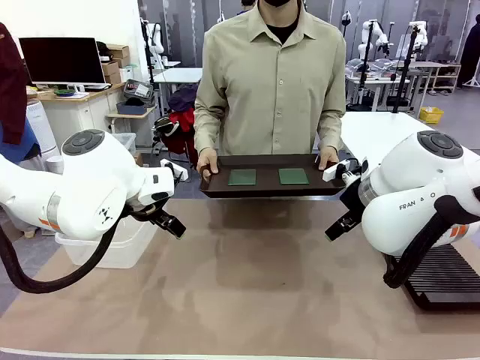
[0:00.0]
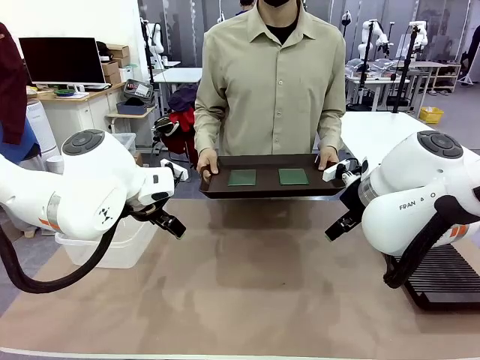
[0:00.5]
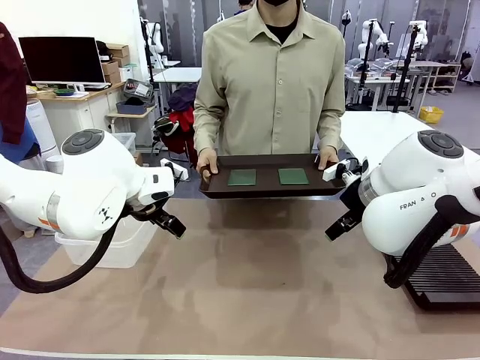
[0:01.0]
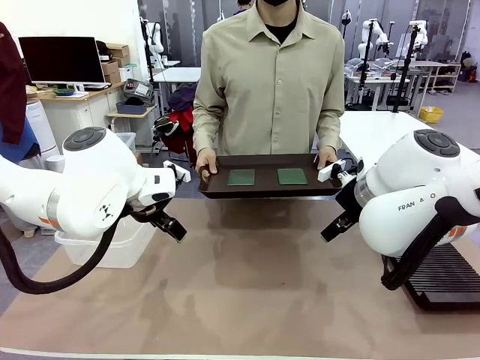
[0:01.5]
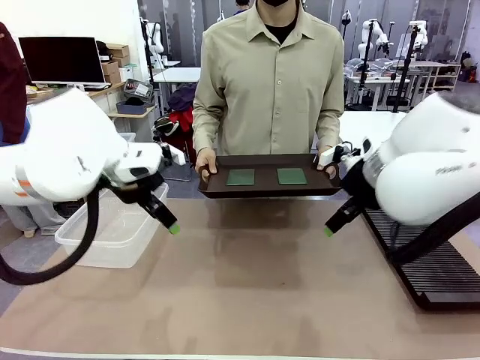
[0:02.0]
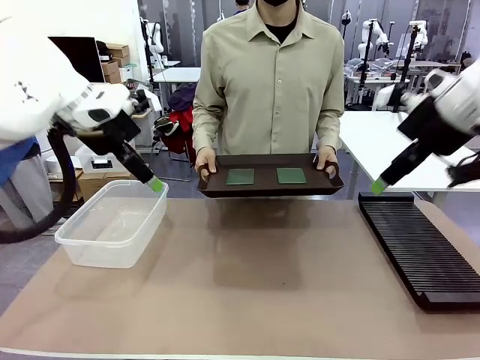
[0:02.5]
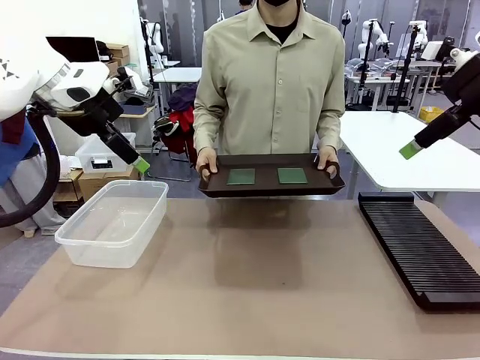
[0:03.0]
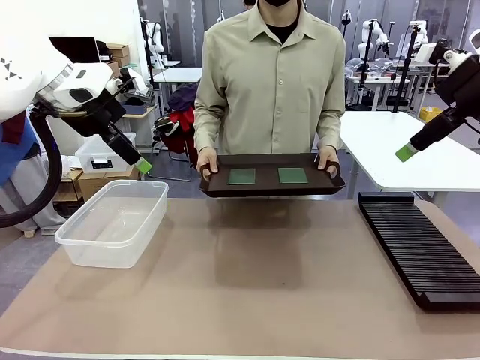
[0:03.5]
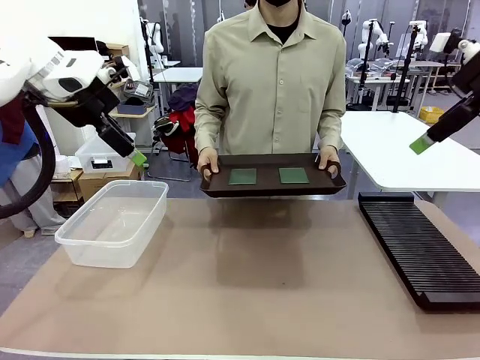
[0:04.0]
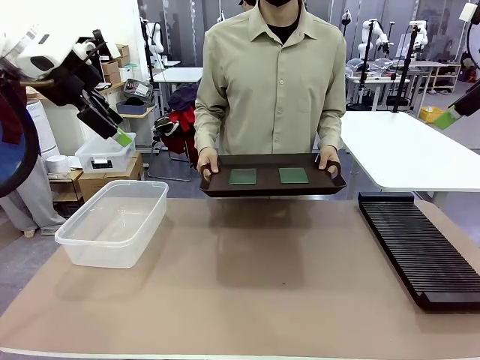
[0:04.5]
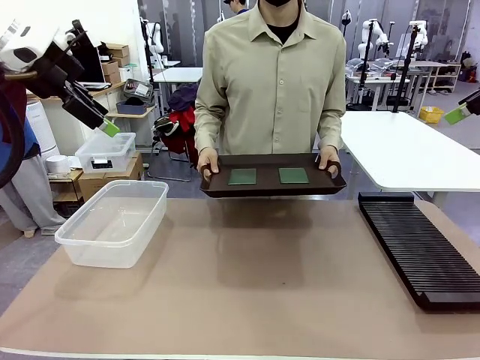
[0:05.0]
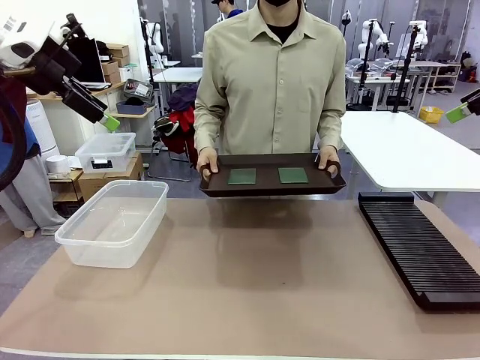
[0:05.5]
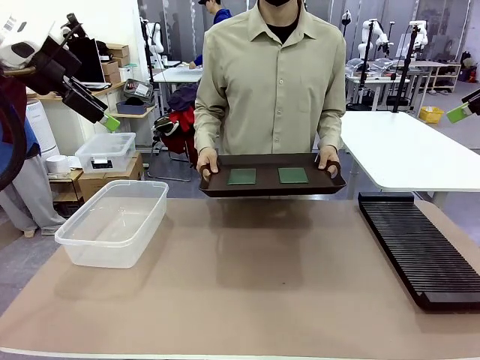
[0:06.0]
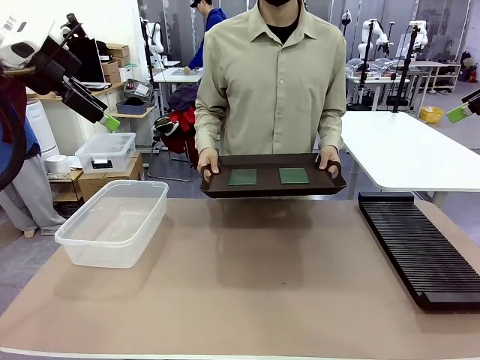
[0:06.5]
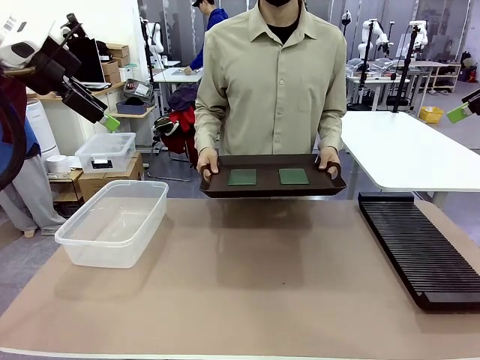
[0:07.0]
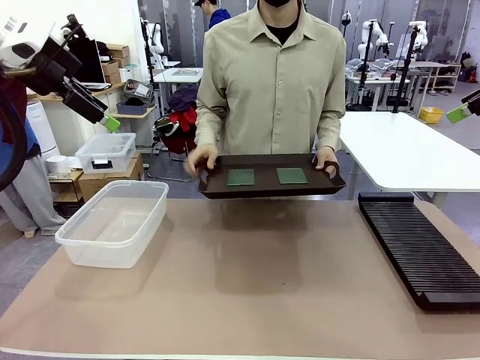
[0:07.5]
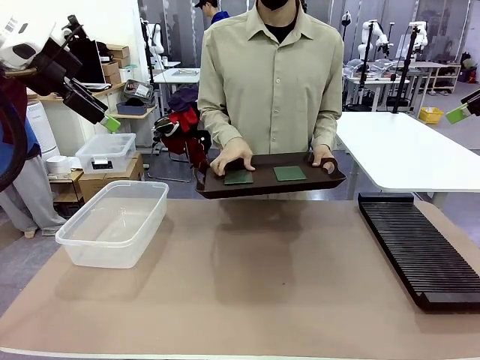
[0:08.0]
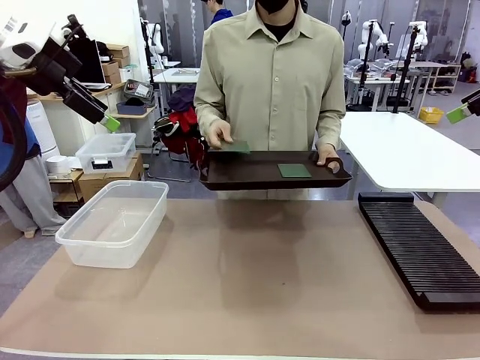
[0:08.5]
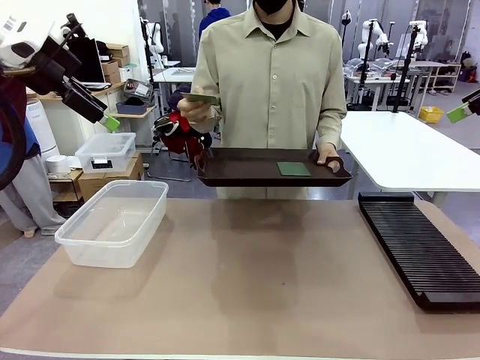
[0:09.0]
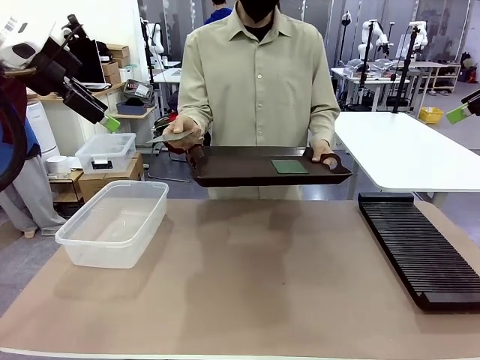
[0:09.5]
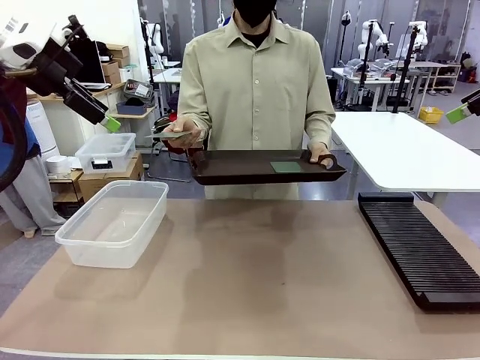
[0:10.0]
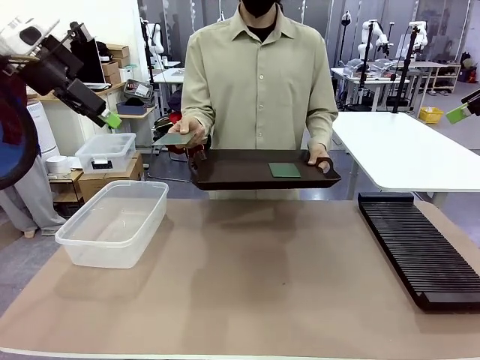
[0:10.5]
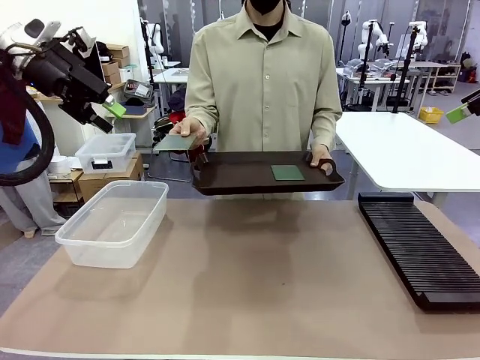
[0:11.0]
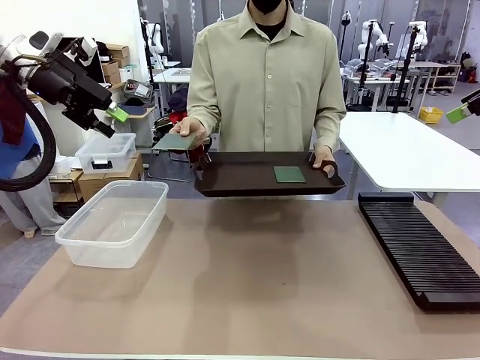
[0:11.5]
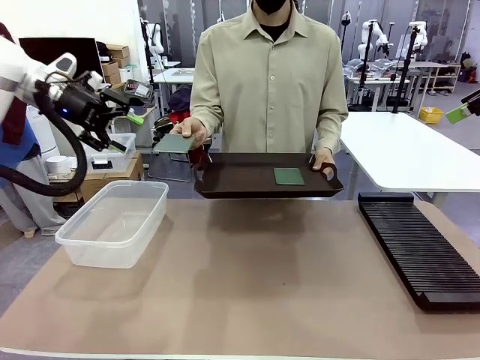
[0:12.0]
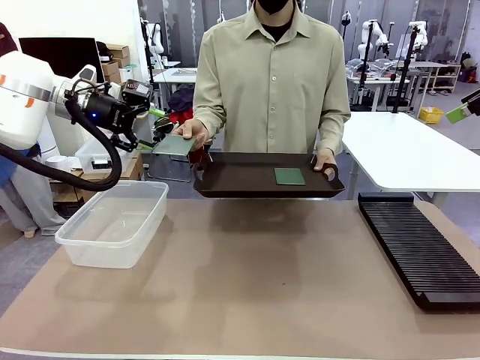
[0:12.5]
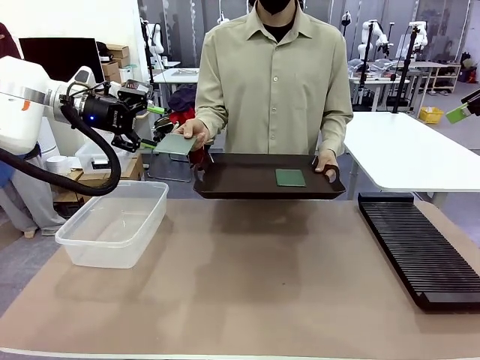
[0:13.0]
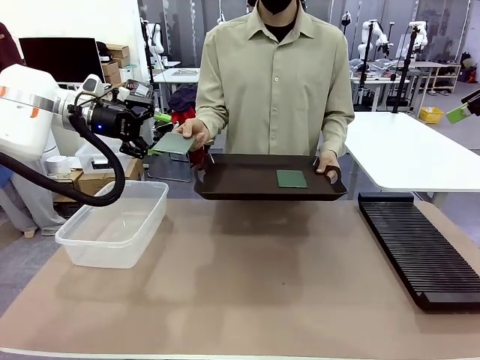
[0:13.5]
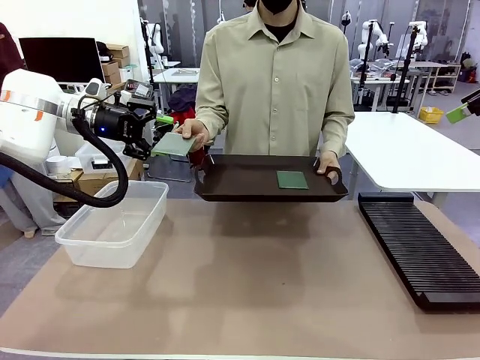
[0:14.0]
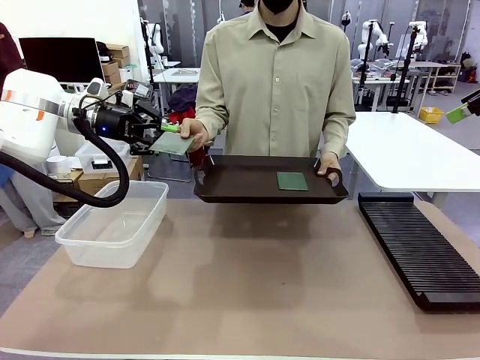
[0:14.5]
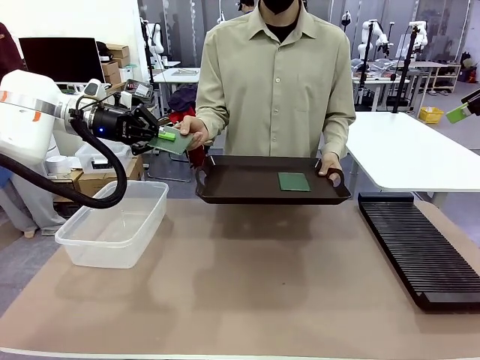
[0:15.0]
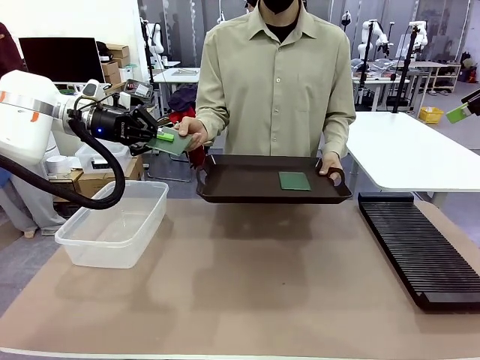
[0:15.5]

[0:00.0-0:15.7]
Task: Sort PCBs into racks and boxes based on the side picked up.
Robot: Pick up the Blank PCB handed by the Human.
Person: Pick one PCB from the tray and present it to the robot. Release the PCB being held.

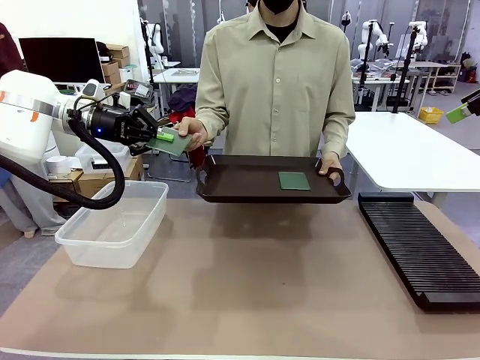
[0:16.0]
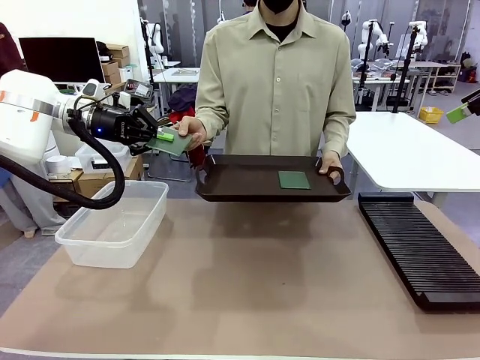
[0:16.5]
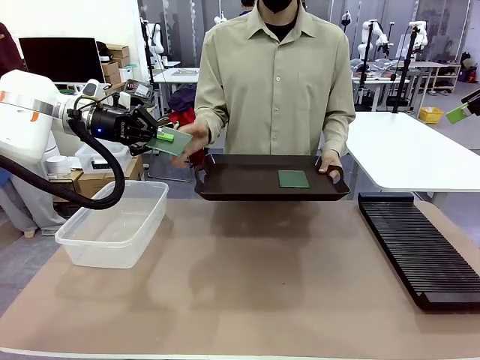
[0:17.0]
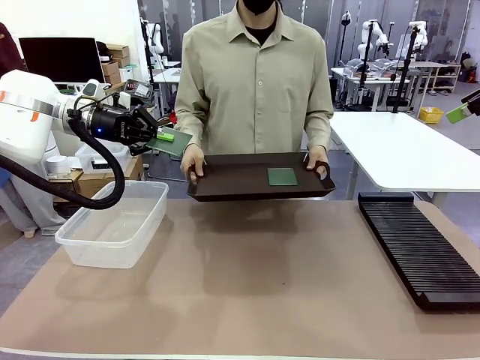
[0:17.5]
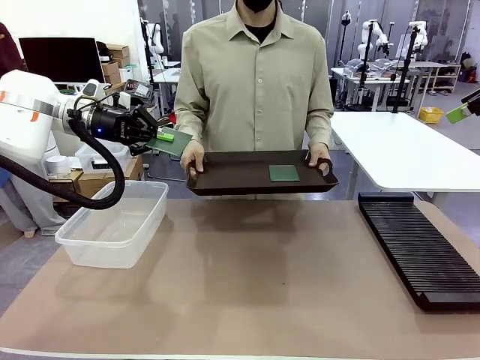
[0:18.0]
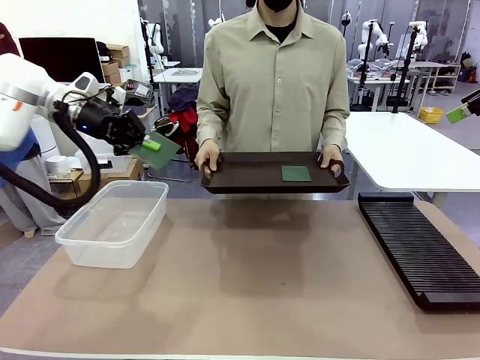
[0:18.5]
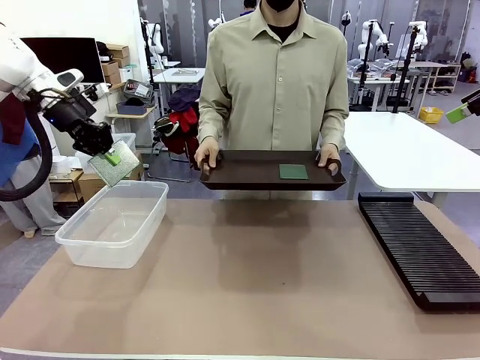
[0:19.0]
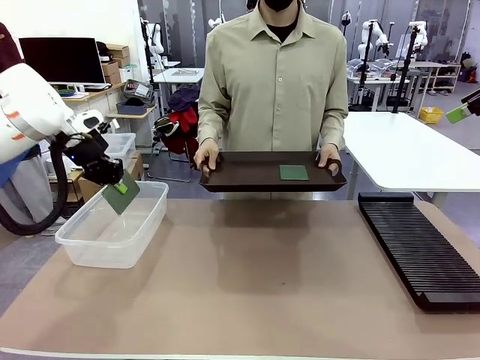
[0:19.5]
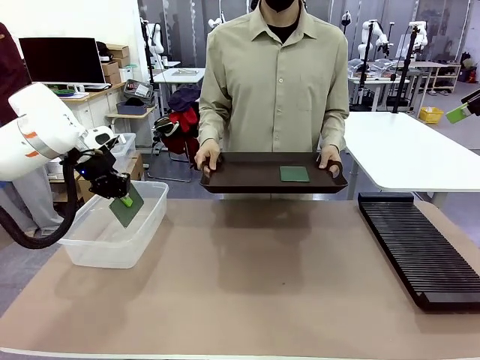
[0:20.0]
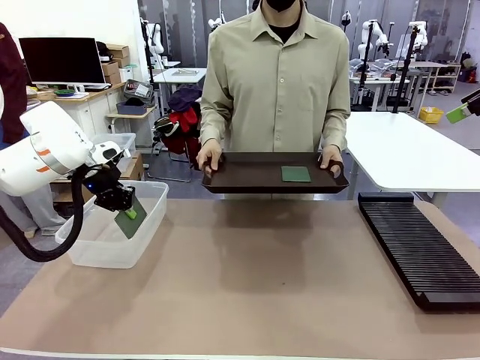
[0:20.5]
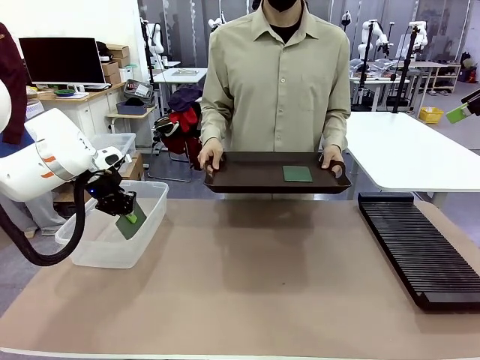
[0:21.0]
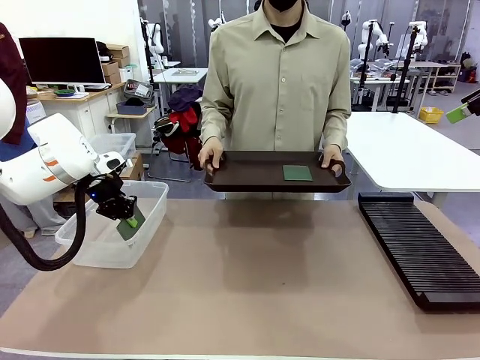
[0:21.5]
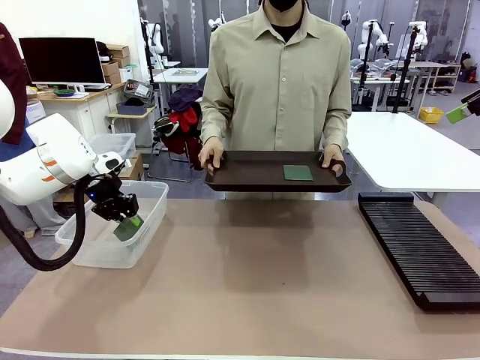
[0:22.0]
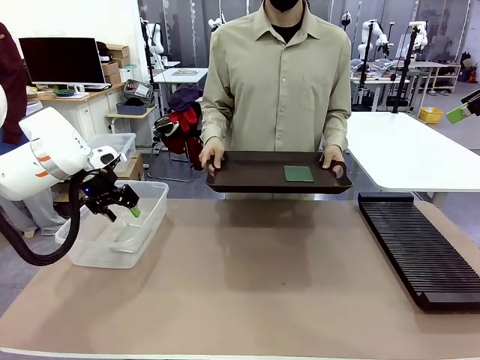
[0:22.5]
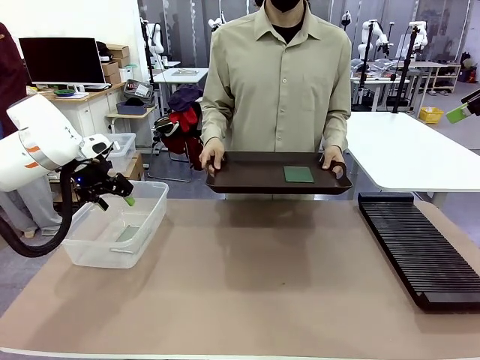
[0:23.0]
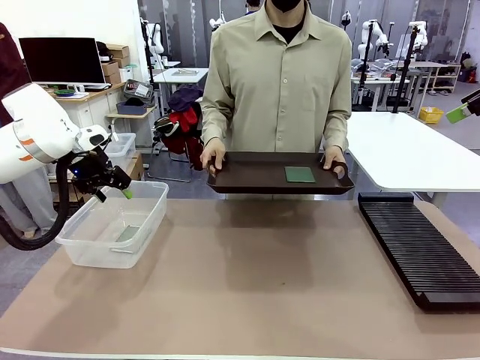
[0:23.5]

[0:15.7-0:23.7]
Robot: If the short side of the Blank PCB is picked up, insert it into the PCB Rack ; if the long side is picked up, place it in the Organizing box.

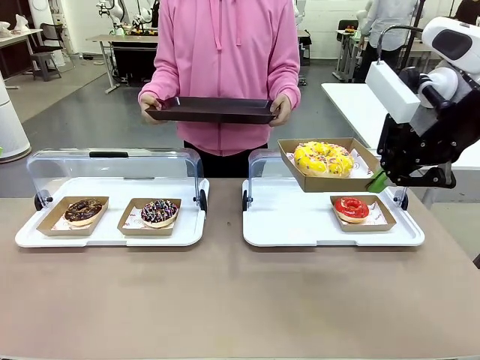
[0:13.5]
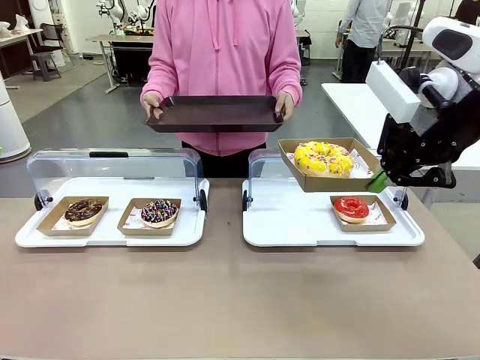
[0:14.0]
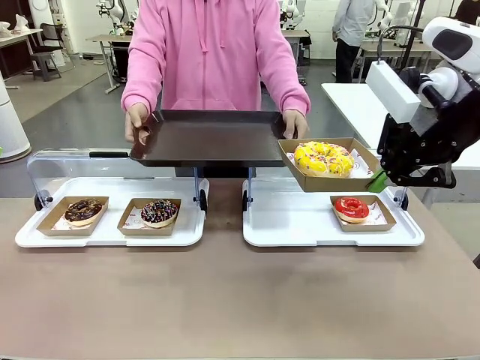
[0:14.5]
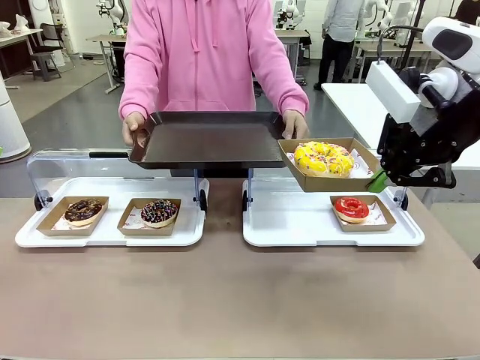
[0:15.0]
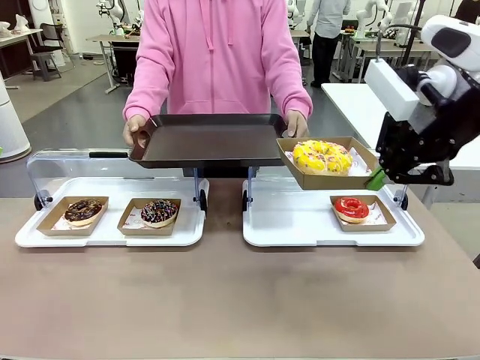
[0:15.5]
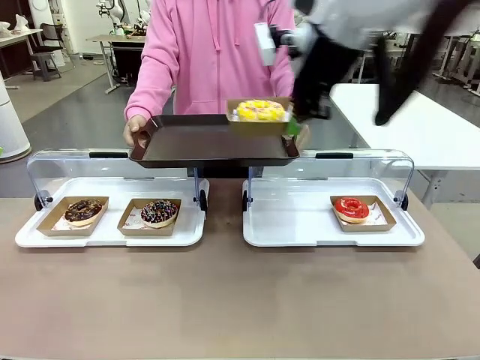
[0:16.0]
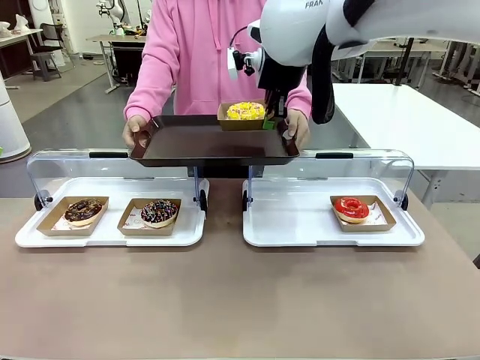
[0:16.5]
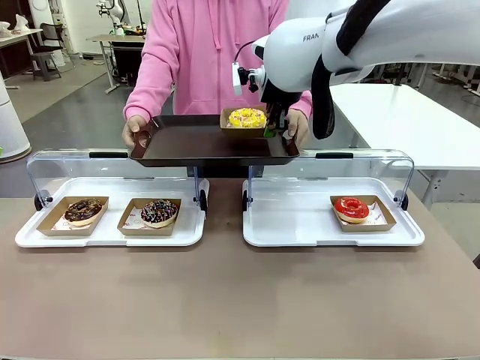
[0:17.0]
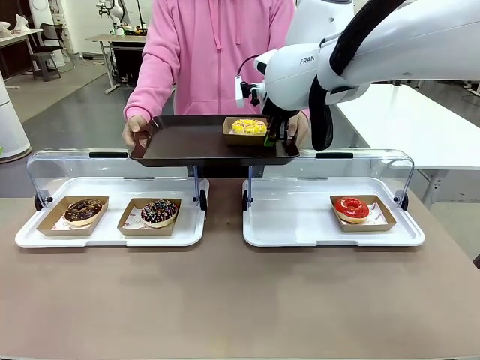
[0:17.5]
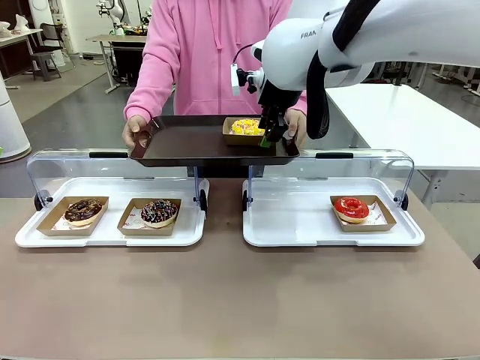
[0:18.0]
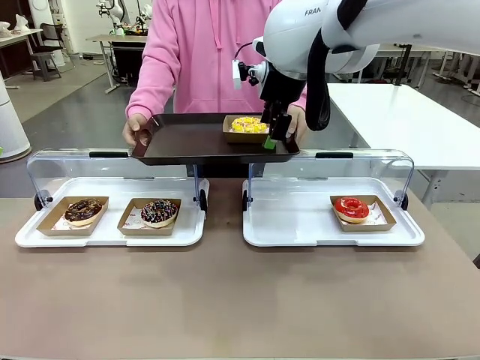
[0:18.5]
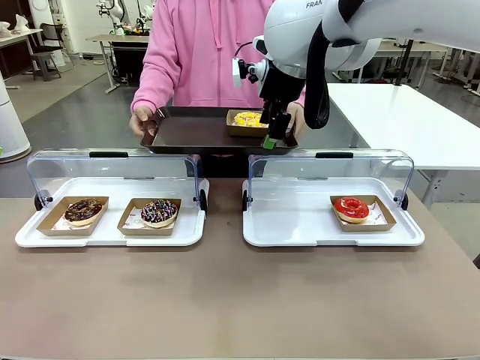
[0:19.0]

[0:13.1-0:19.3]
Task: Provide the desired donut to the person.
Robot: Place the picked Paper togo box onto the Handle tray extended by the person.
